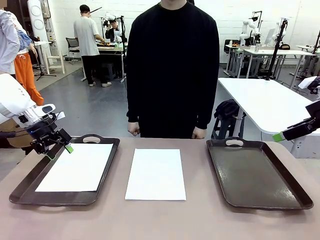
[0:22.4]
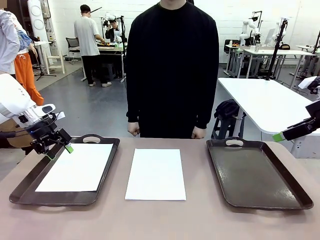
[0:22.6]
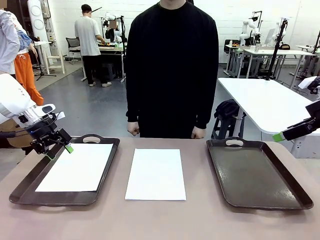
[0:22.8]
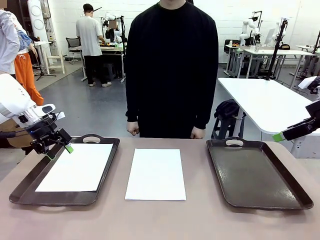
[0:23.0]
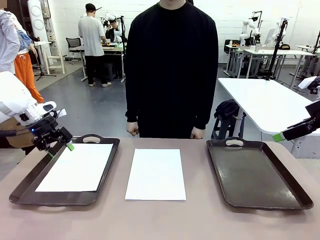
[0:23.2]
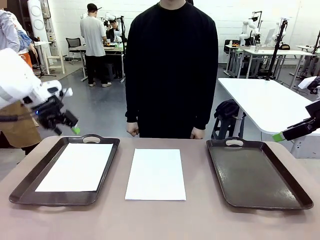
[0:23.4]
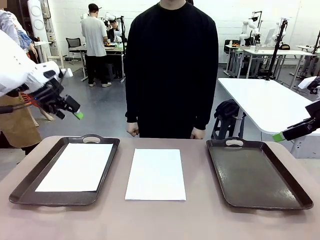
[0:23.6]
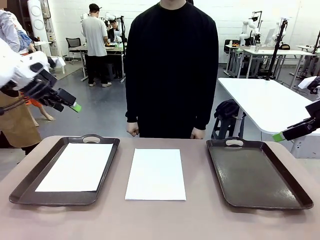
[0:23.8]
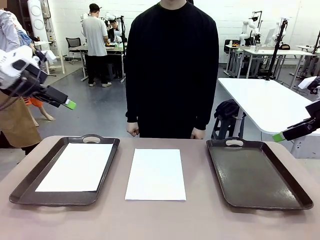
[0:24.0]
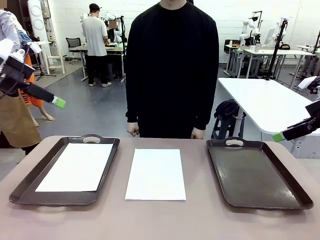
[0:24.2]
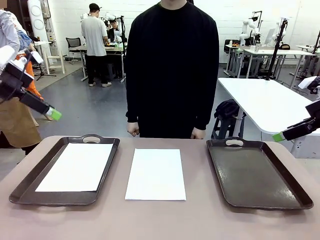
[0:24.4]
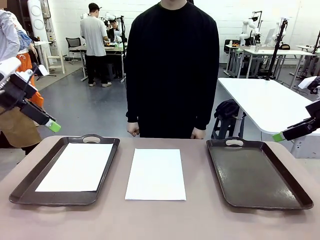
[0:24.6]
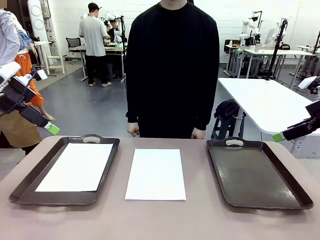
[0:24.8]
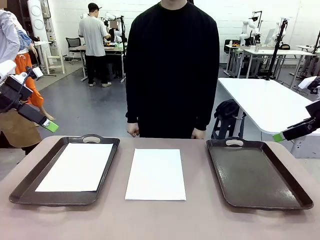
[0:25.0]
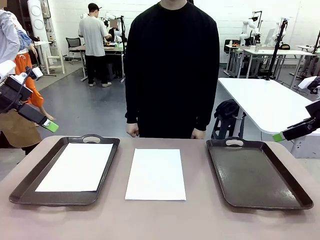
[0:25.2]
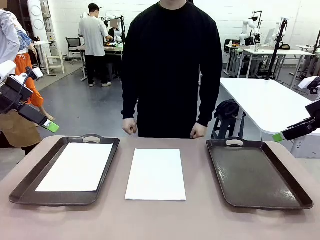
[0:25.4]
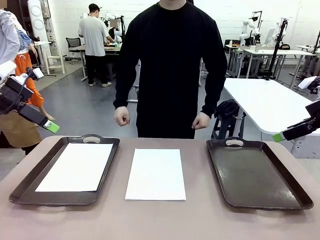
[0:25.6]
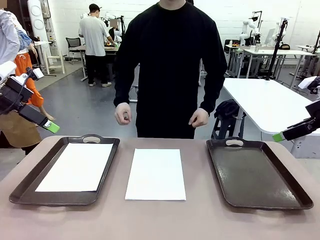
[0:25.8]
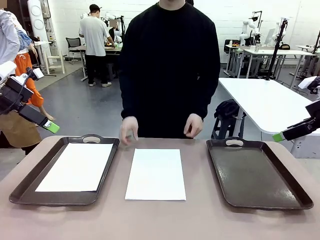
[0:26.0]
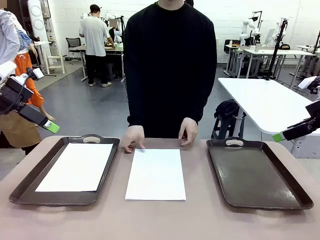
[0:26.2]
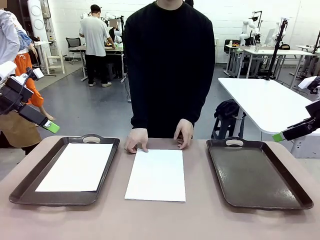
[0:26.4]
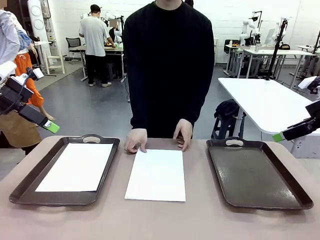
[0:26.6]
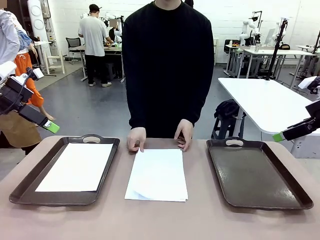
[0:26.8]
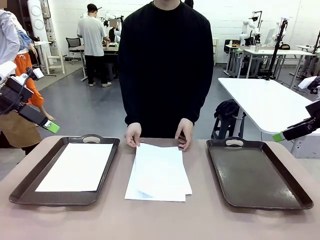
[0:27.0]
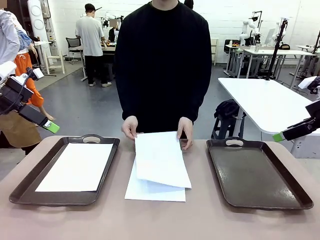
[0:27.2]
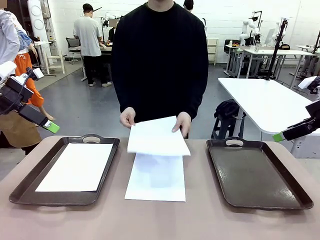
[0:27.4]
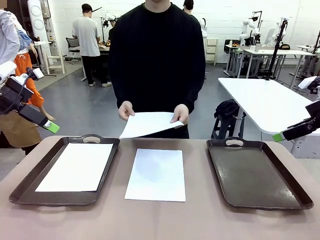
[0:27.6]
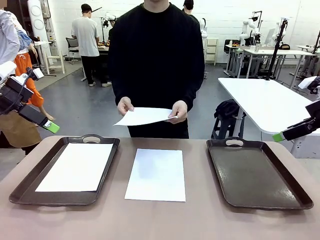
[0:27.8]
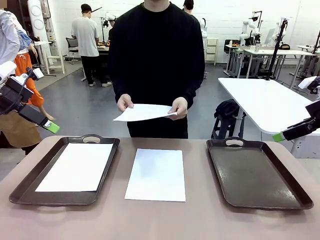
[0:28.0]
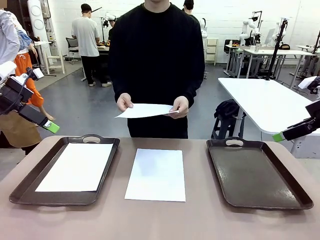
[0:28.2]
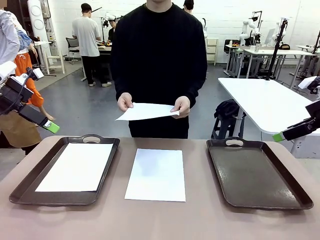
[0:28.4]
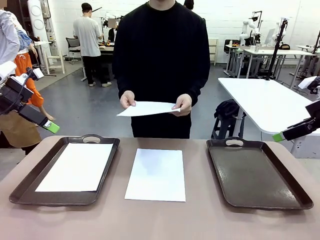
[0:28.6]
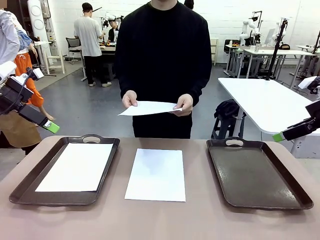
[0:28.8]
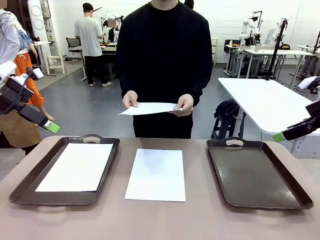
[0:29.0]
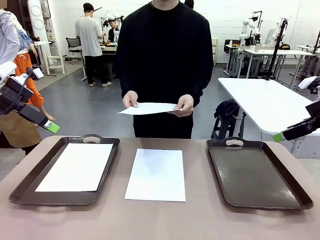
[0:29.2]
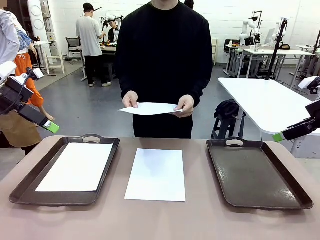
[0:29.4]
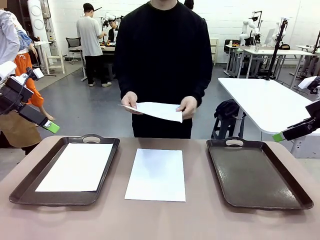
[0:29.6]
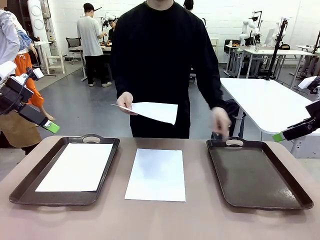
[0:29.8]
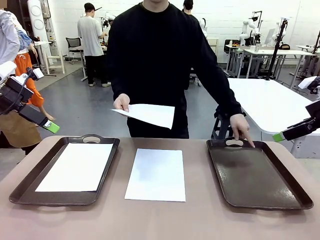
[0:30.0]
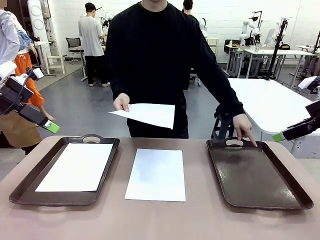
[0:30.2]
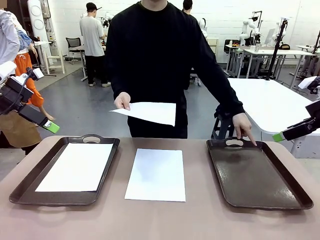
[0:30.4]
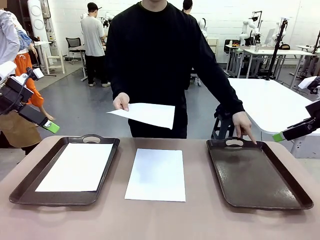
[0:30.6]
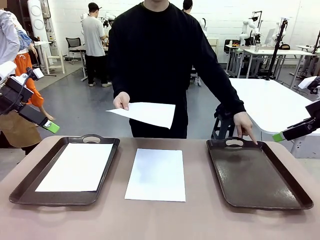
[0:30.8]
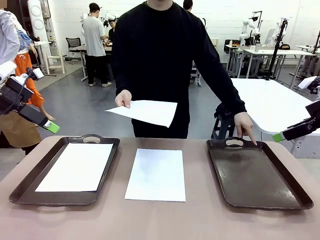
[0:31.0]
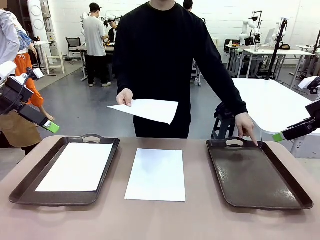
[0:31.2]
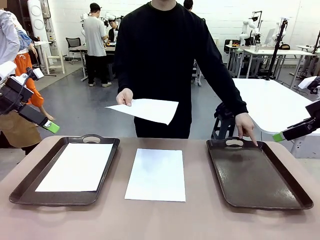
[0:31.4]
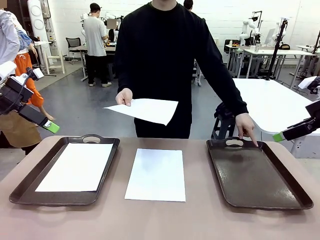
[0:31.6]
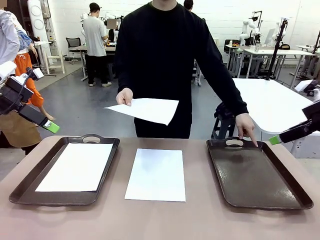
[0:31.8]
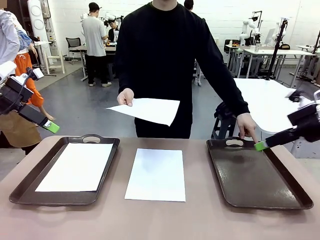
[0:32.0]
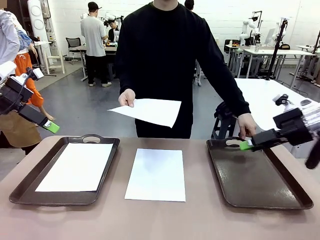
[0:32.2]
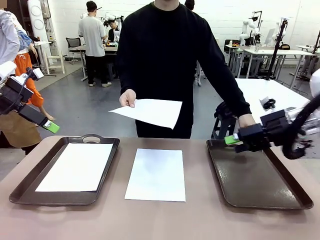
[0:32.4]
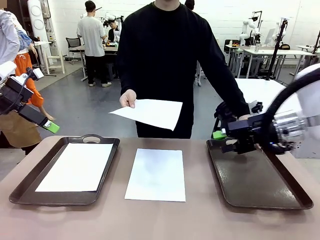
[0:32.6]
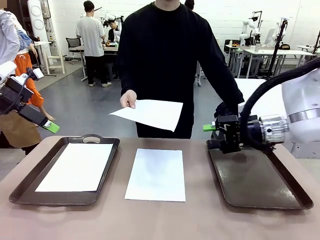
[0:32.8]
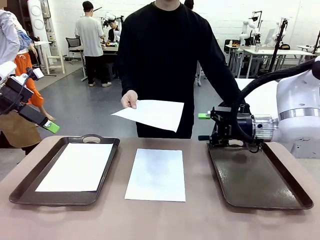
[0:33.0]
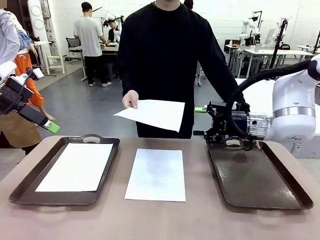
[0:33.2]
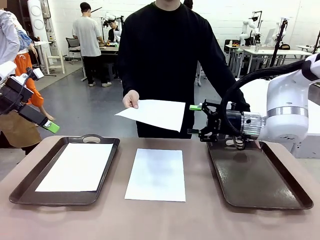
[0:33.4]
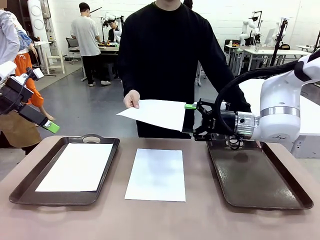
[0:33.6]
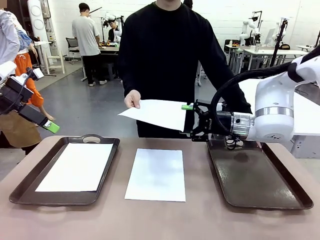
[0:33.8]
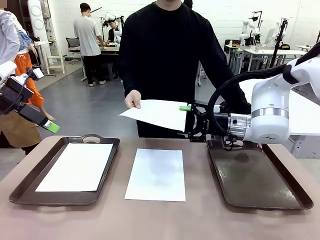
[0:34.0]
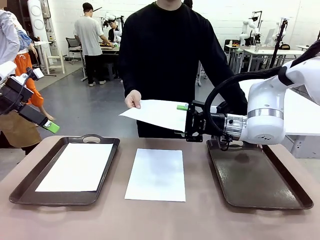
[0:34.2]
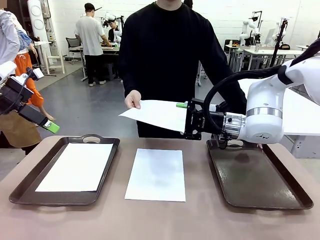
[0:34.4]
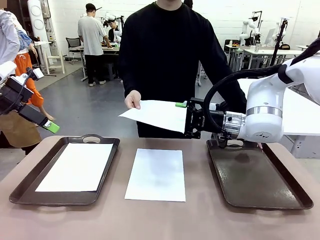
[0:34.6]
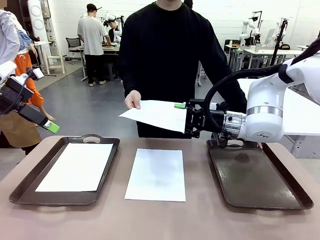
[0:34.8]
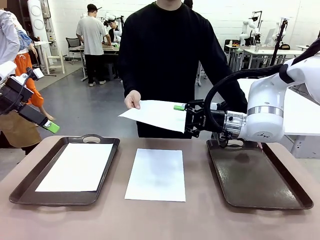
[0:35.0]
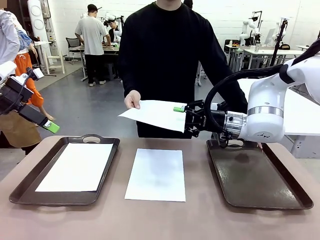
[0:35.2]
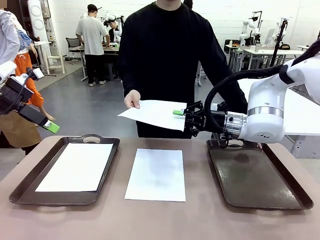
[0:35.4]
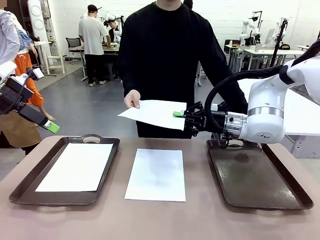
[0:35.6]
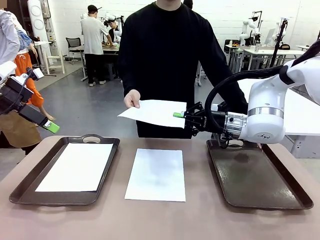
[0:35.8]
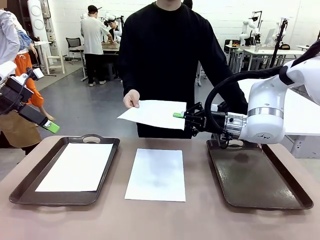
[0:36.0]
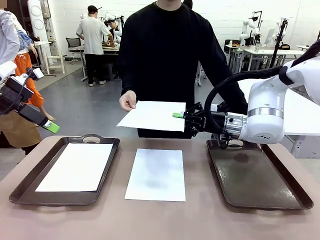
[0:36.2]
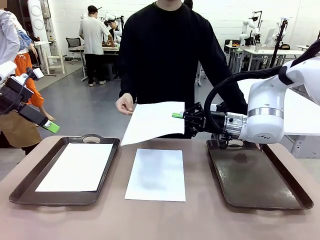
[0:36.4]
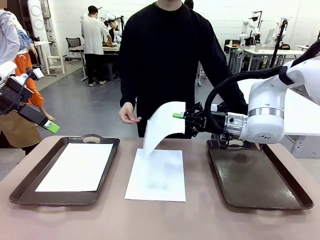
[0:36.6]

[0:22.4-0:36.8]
Task: Sort the A4 documents.
Robot: Receive the A4 Paper.
Person: Point the randomly selected tray with the other hand.

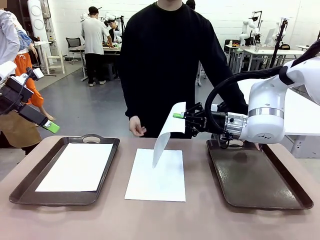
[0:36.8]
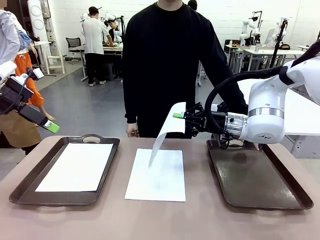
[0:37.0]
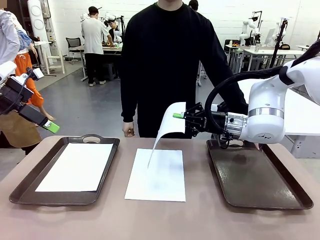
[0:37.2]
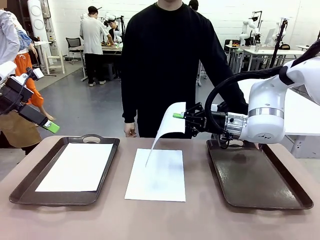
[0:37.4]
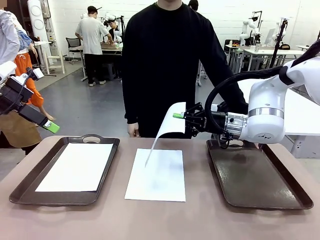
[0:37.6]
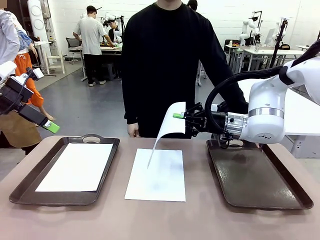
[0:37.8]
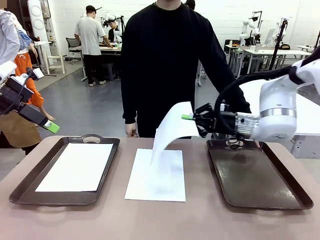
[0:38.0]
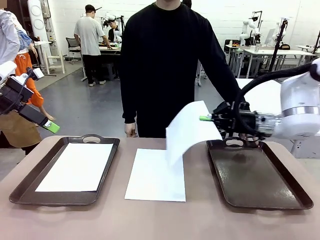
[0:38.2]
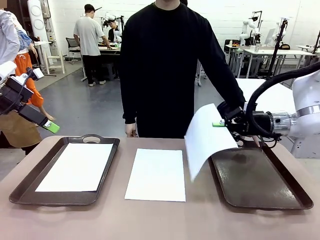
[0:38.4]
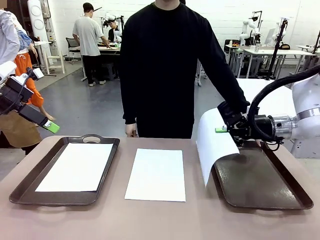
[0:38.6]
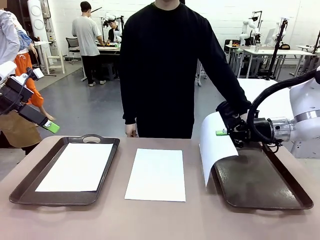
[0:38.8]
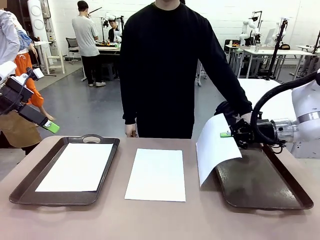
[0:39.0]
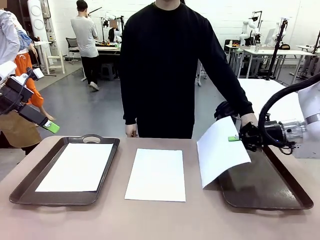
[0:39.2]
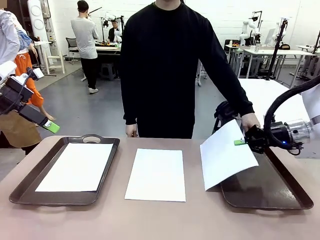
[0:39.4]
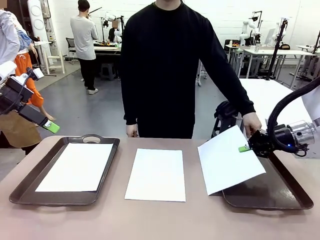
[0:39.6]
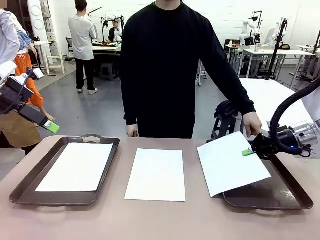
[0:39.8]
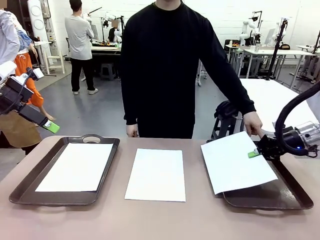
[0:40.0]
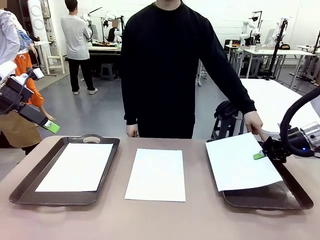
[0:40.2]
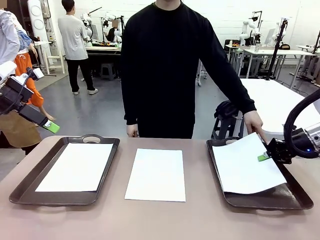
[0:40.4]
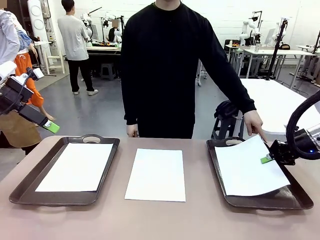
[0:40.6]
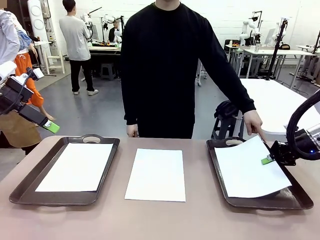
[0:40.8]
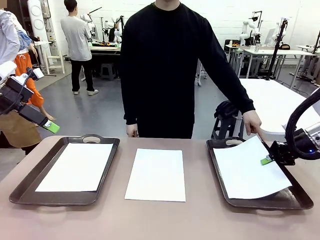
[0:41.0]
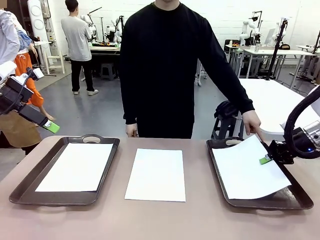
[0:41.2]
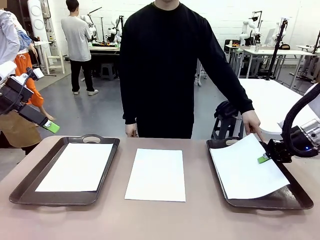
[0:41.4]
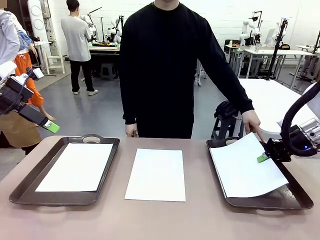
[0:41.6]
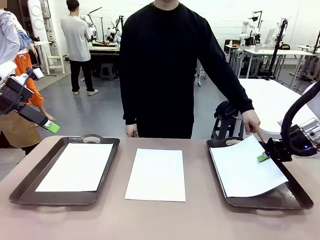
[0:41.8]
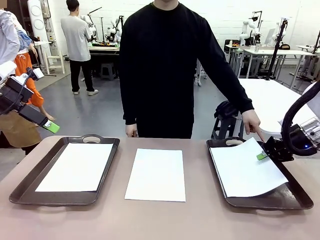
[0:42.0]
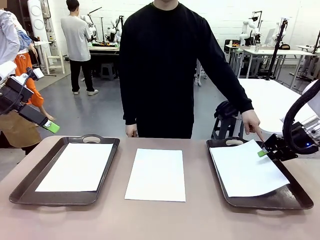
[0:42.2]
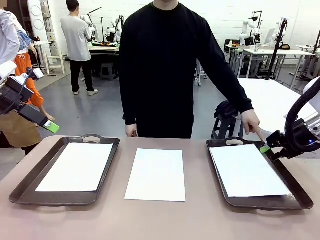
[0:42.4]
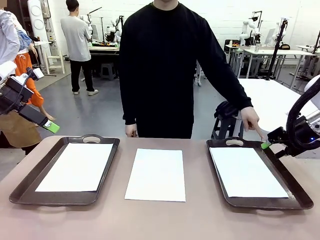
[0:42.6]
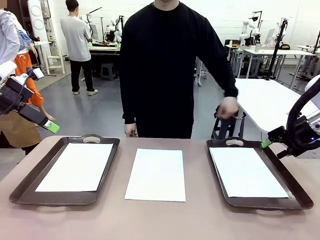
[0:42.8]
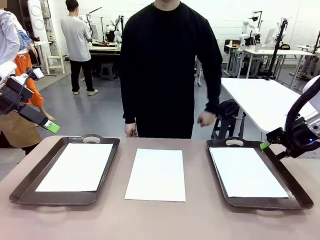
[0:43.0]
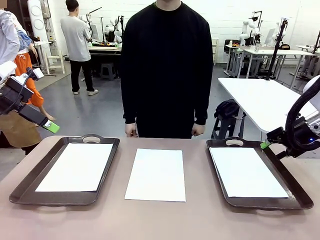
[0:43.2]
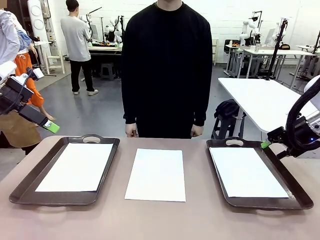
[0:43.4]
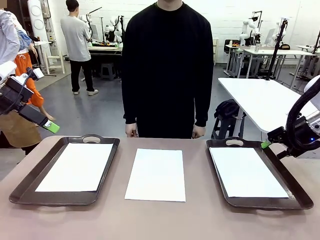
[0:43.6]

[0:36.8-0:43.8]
Robot: Place the A4 Paper in the designated Handle tray.
